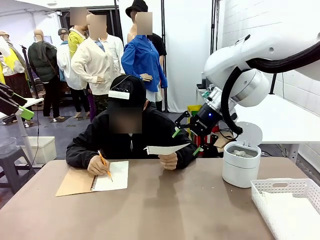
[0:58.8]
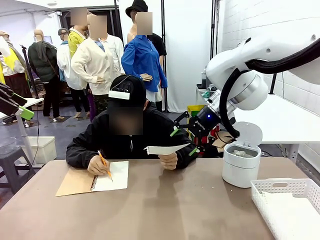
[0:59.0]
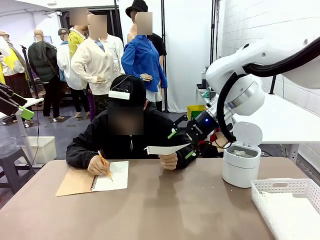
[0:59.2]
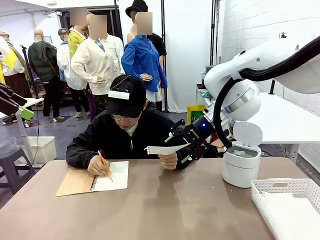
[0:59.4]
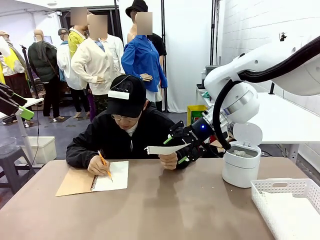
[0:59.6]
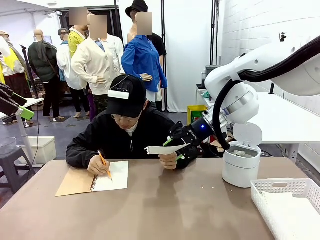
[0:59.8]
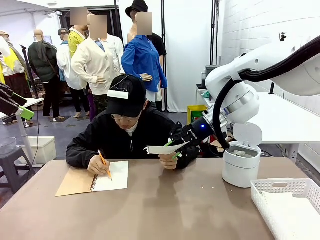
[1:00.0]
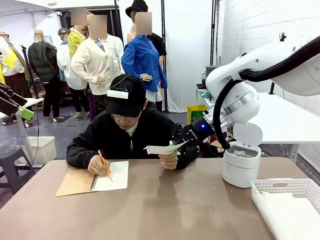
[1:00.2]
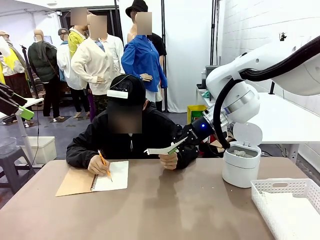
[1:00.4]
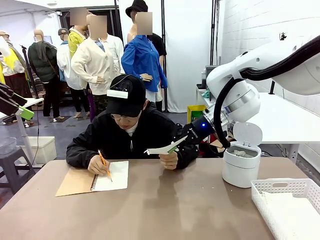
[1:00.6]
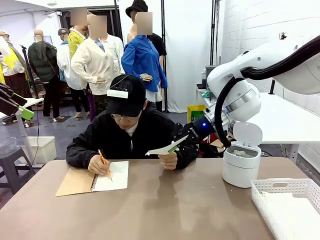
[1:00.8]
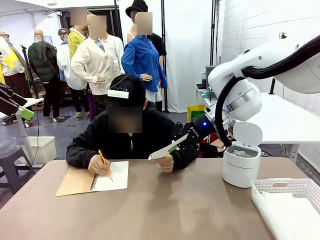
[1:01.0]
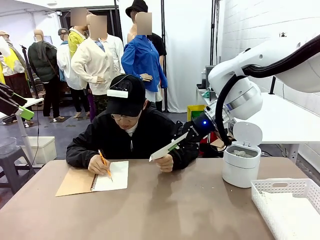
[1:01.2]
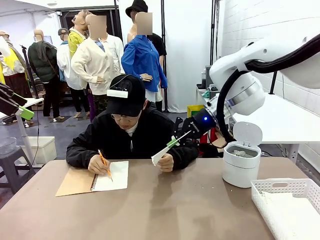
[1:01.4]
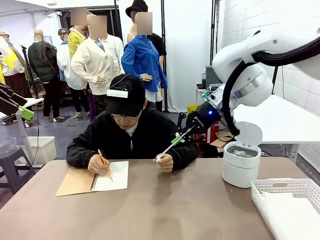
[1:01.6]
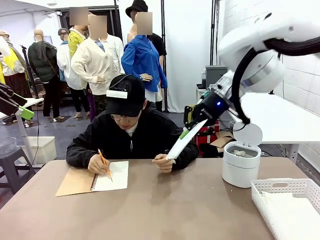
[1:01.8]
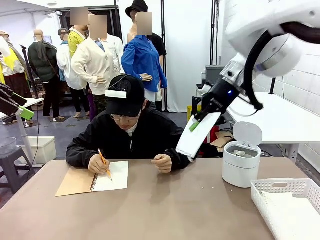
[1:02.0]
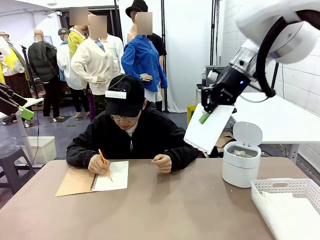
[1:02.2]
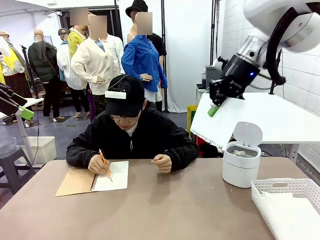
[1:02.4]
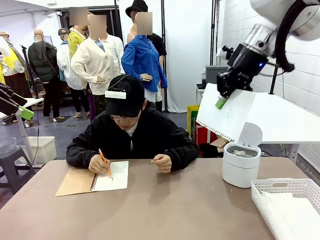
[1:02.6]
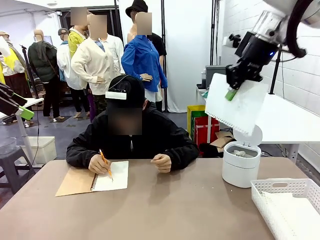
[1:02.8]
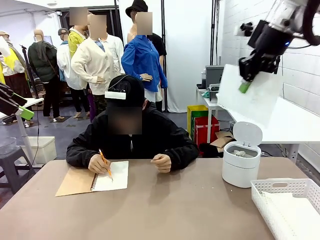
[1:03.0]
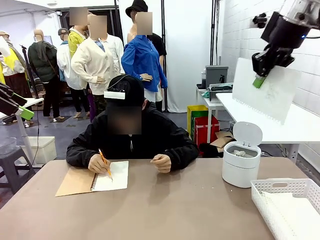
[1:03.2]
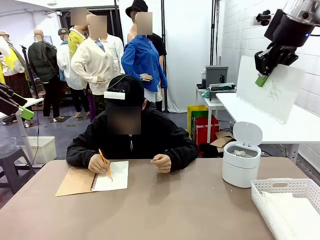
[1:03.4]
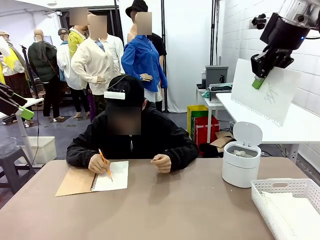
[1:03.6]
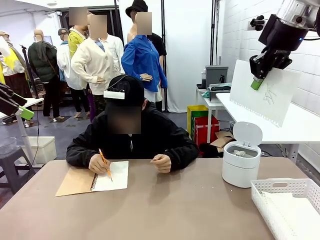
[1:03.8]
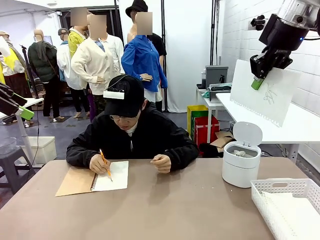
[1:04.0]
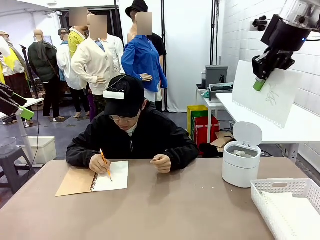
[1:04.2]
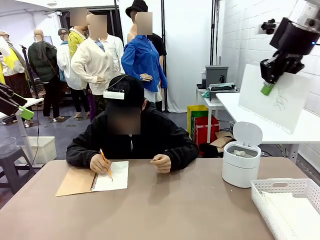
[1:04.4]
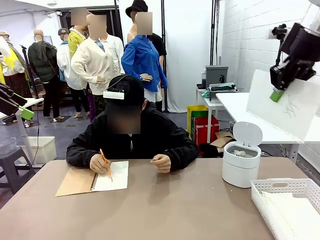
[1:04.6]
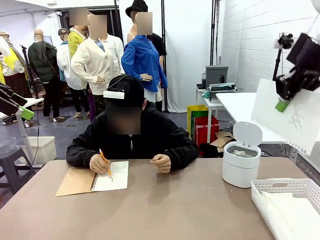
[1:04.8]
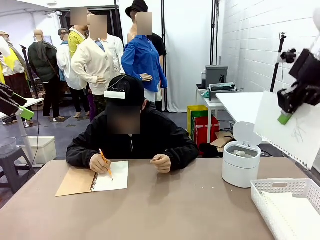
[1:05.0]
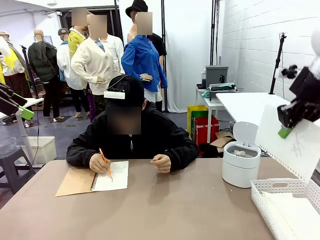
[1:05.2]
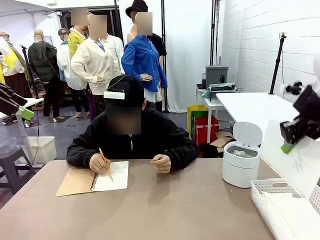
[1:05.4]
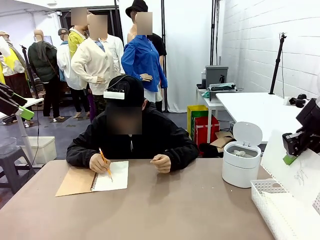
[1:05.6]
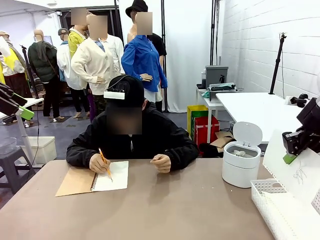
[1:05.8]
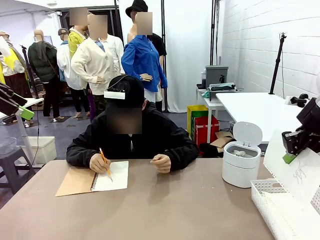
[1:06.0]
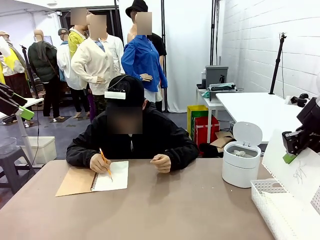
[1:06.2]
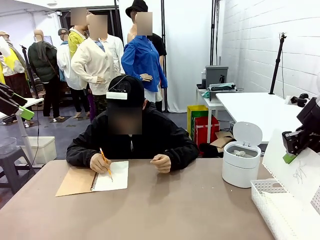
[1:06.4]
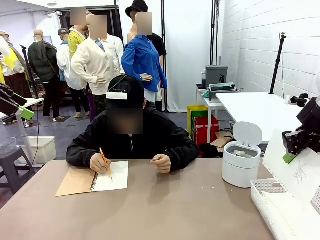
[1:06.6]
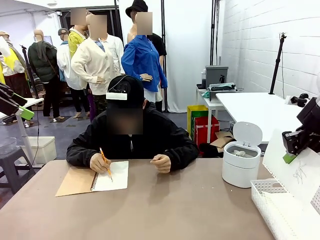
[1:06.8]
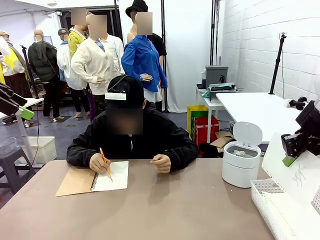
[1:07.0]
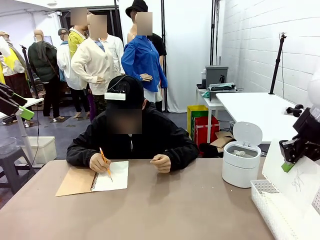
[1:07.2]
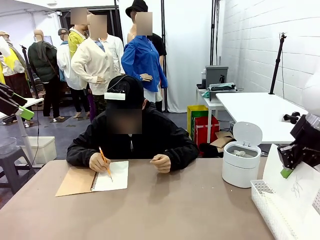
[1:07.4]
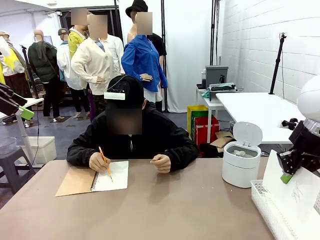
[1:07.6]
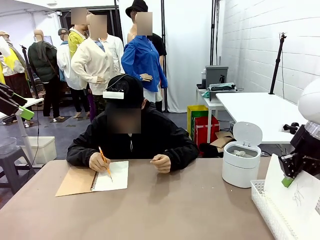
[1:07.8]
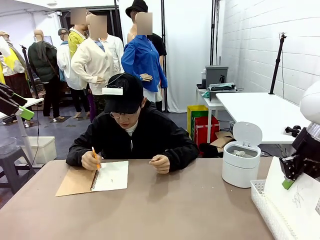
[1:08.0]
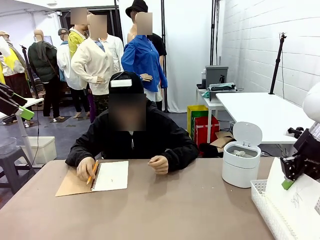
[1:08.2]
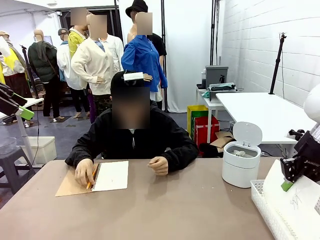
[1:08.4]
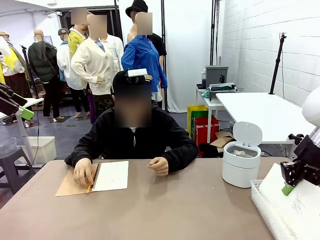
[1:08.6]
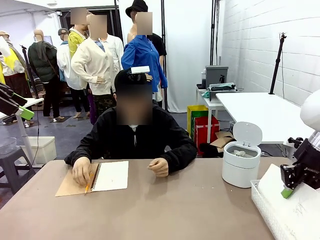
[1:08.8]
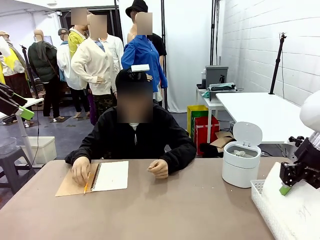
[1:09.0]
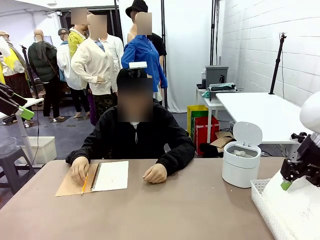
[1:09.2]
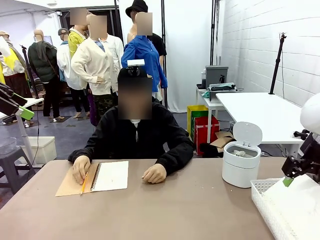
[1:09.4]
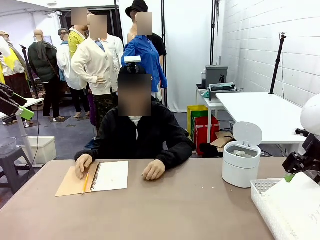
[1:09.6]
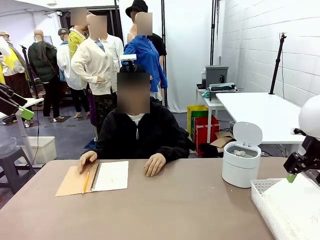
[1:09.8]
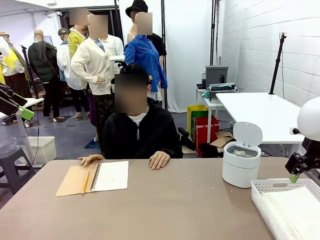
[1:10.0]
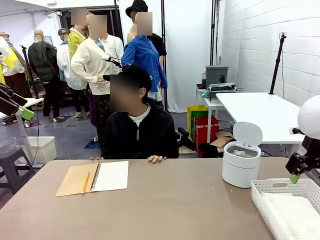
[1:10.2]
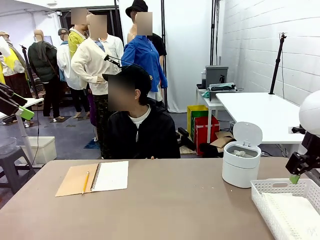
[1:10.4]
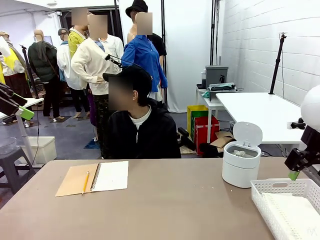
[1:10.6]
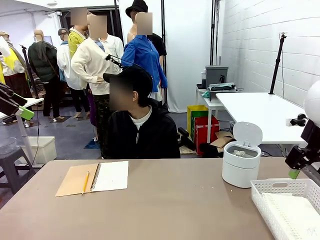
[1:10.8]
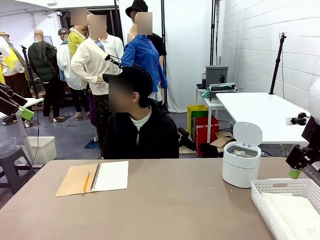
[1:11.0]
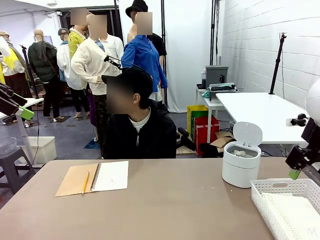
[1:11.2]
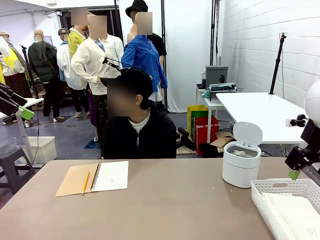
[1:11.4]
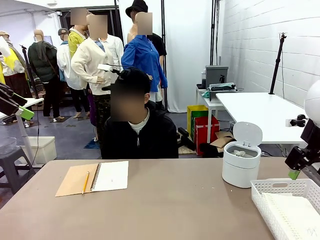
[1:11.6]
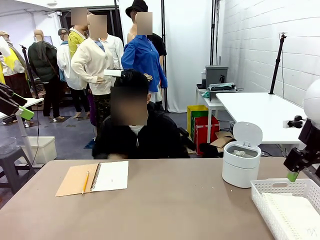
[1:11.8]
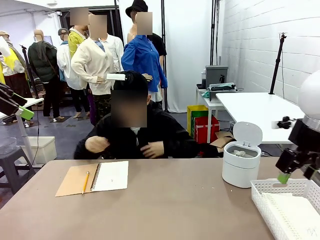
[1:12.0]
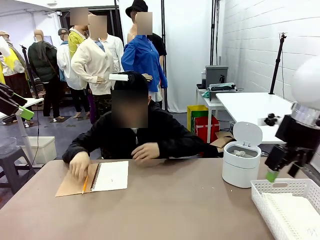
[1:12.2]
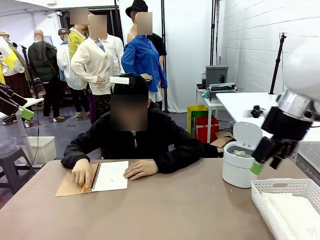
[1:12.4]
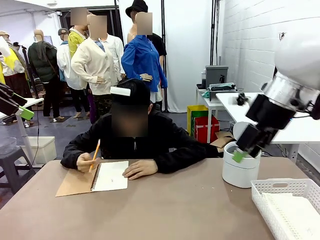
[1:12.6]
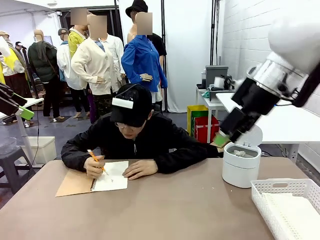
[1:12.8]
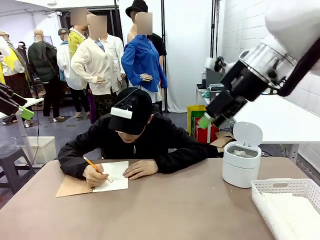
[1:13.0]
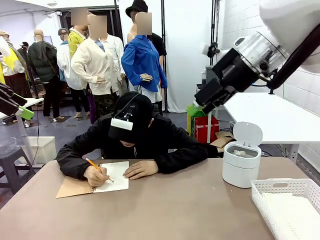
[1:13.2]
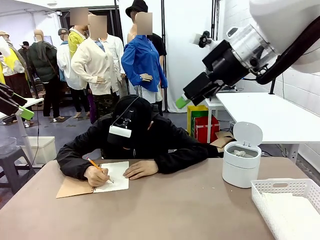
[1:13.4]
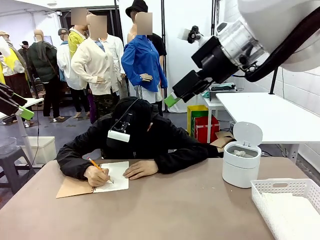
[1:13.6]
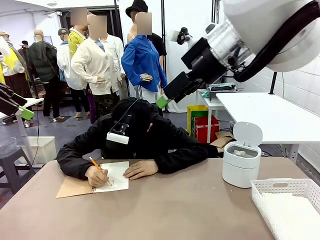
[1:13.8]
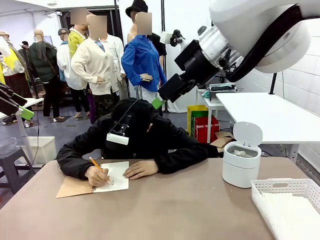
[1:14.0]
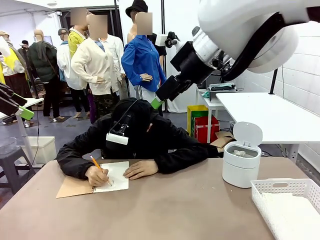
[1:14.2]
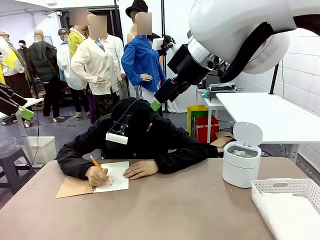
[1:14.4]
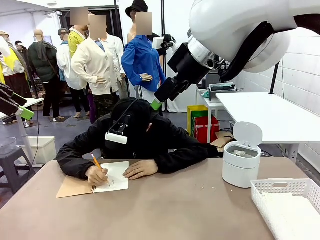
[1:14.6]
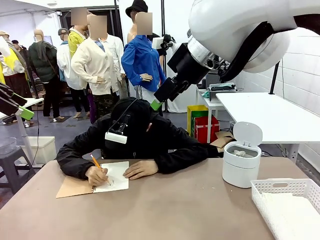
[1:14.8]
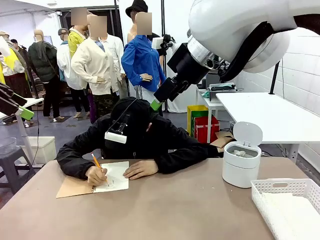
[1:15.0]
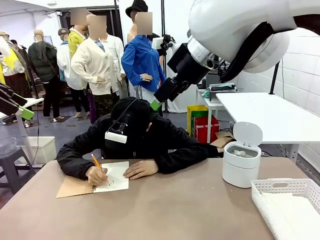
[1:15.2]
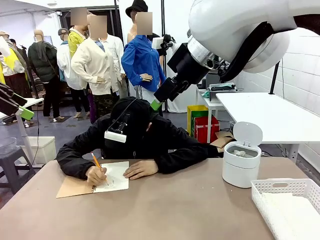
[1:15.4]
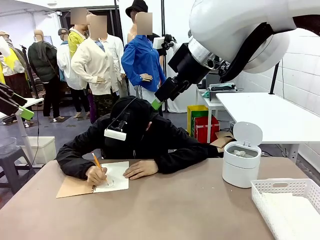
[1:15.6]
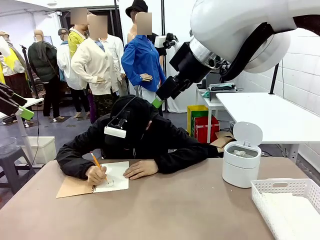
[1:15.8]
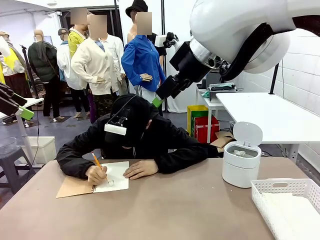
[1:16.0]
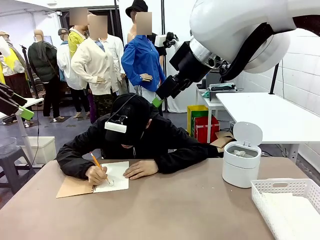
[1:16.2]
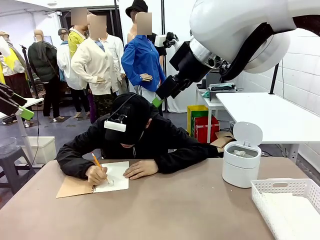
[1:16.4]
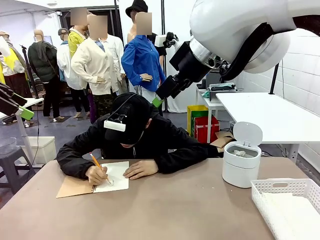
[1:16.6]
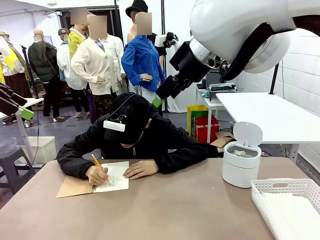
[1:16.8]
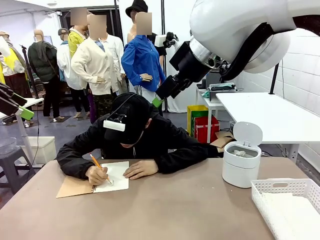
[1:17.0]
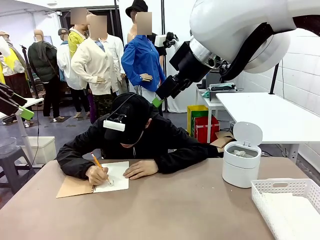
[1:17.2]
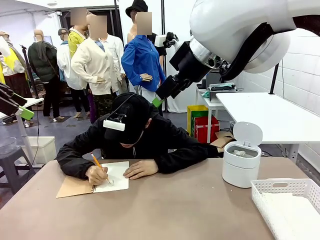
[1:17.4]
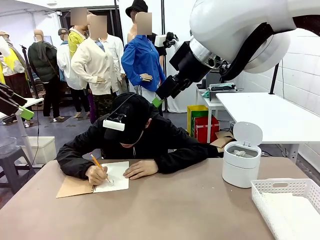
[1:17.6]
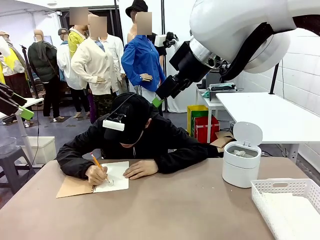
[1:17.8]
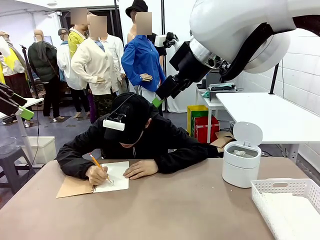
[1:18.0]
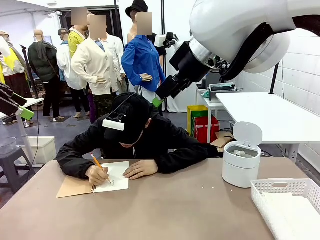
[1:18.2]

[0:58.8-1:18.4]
Task: Sort the paper based on its condition.
Robot: If a person hands you a paper, place it in the Organizing basket , and if it's crumpled, put it in the Trash can.
Person: Hand the torn page to the robot or crumple it and throw it to the center of the table.
